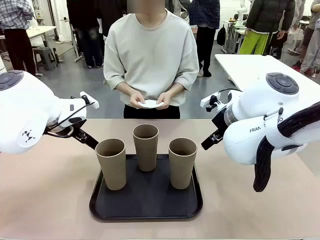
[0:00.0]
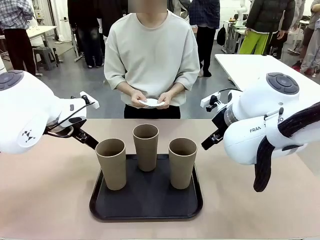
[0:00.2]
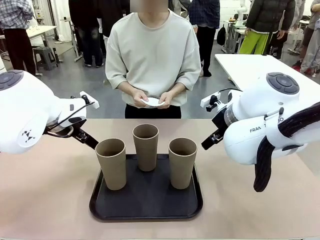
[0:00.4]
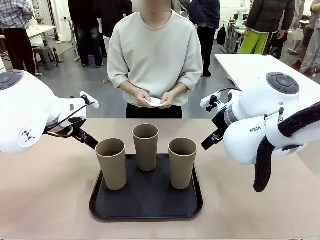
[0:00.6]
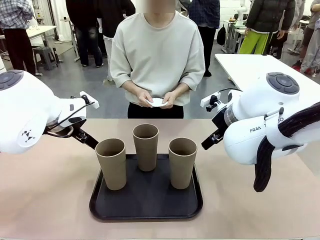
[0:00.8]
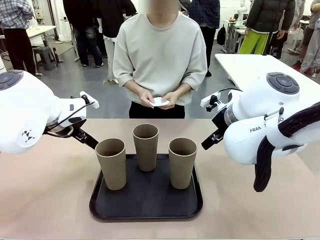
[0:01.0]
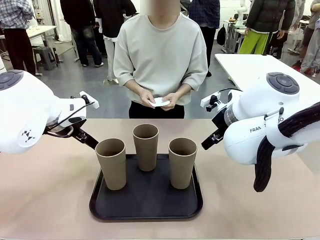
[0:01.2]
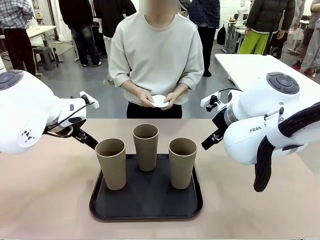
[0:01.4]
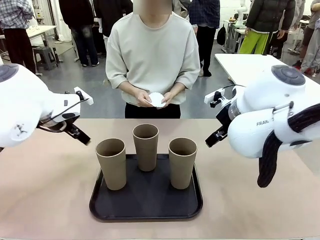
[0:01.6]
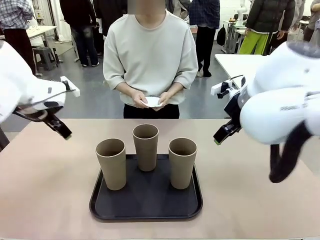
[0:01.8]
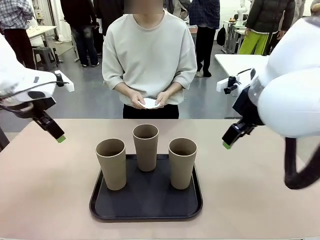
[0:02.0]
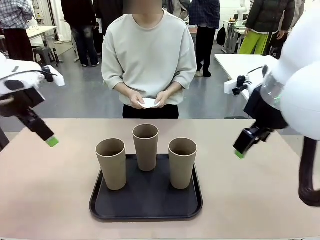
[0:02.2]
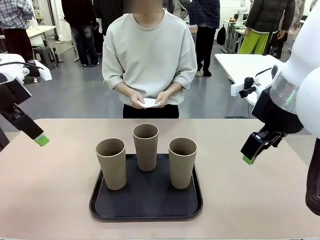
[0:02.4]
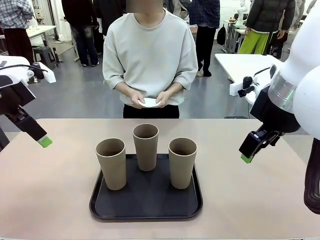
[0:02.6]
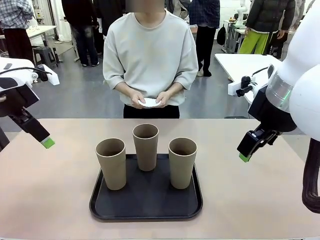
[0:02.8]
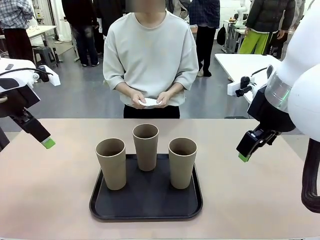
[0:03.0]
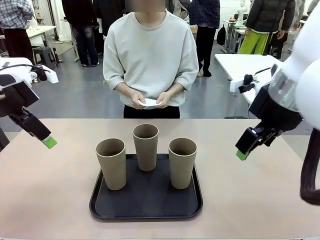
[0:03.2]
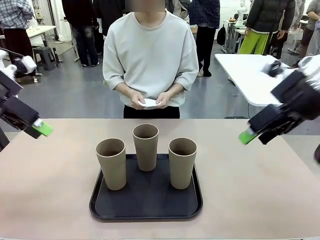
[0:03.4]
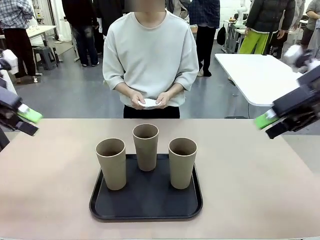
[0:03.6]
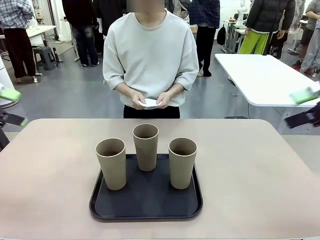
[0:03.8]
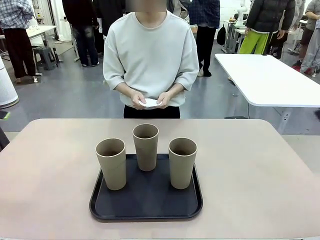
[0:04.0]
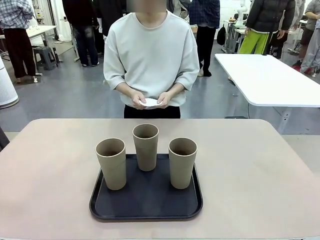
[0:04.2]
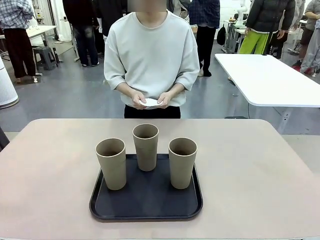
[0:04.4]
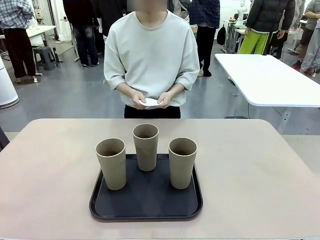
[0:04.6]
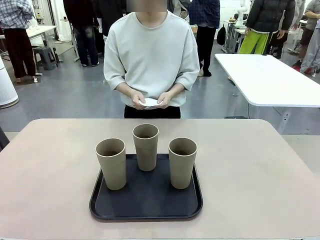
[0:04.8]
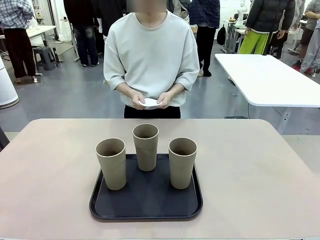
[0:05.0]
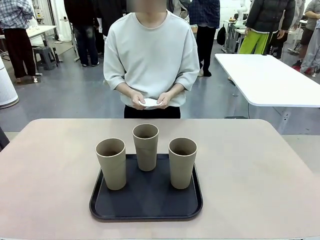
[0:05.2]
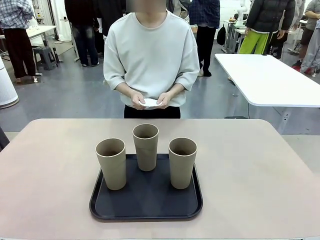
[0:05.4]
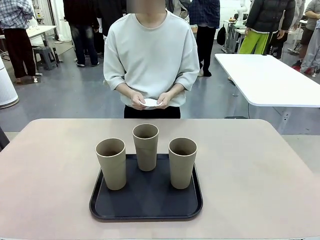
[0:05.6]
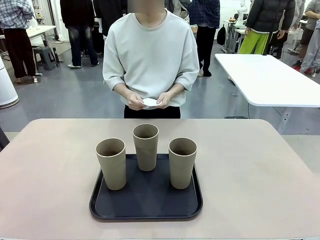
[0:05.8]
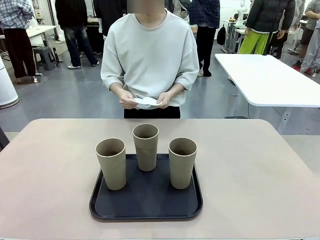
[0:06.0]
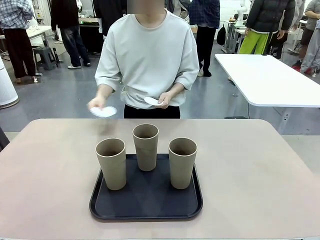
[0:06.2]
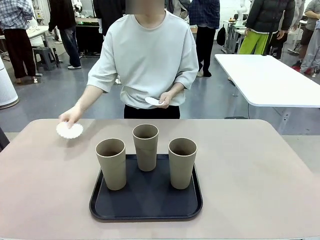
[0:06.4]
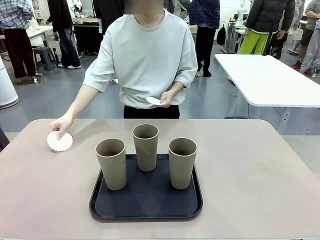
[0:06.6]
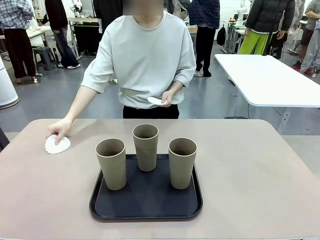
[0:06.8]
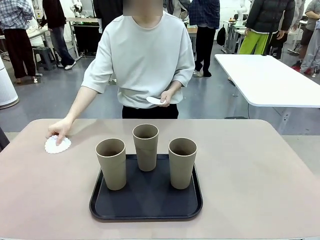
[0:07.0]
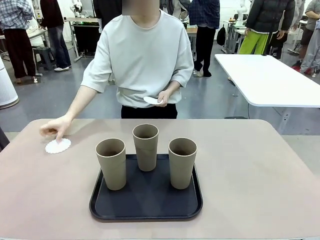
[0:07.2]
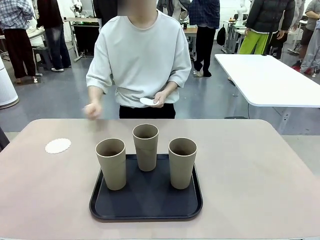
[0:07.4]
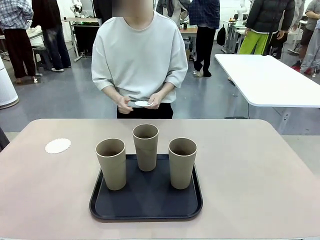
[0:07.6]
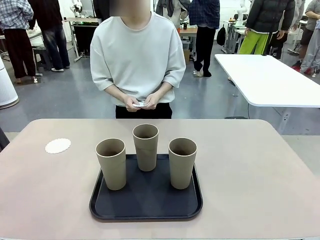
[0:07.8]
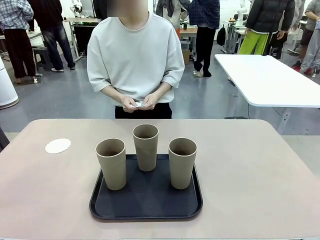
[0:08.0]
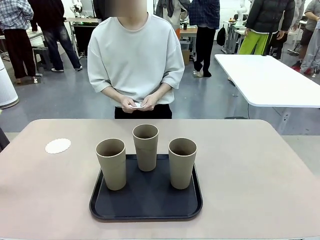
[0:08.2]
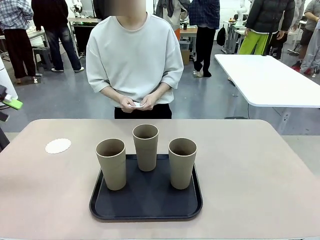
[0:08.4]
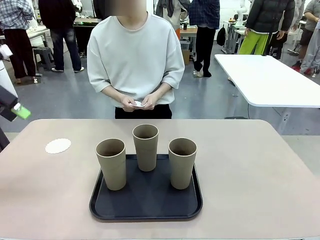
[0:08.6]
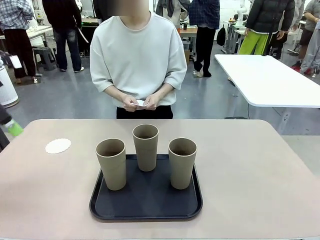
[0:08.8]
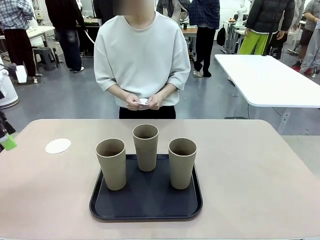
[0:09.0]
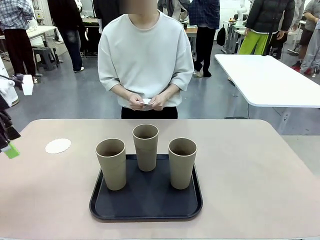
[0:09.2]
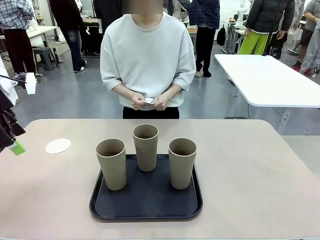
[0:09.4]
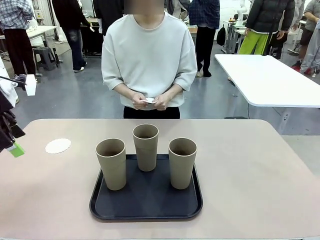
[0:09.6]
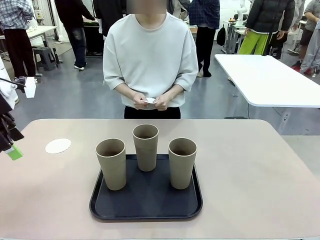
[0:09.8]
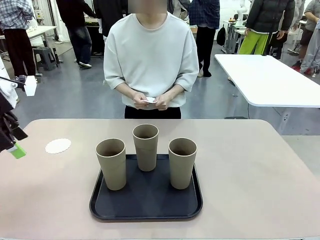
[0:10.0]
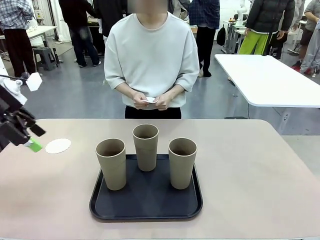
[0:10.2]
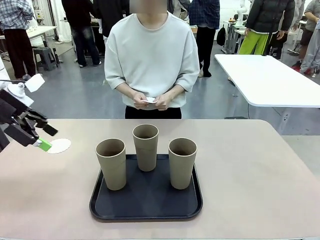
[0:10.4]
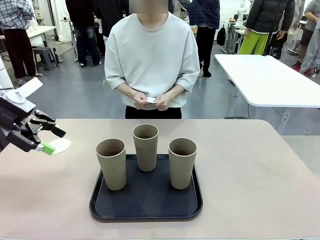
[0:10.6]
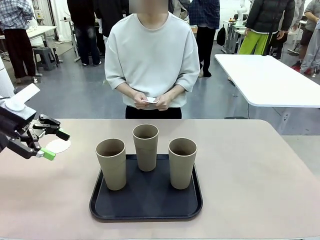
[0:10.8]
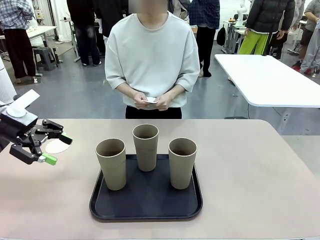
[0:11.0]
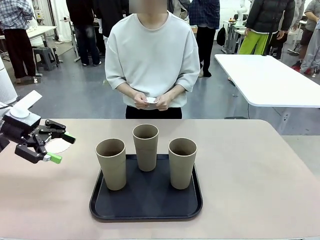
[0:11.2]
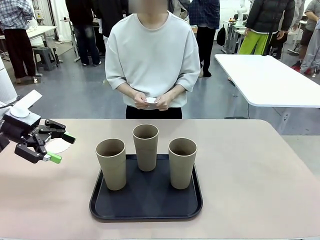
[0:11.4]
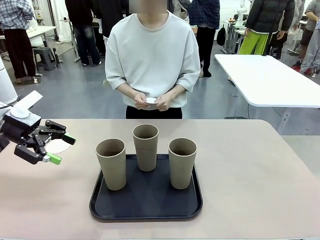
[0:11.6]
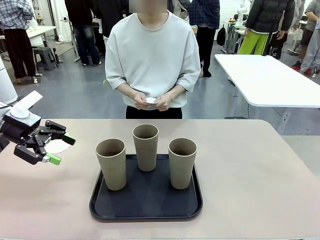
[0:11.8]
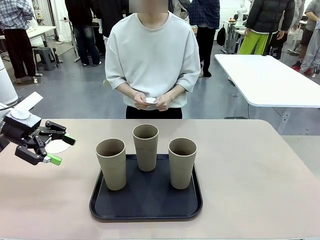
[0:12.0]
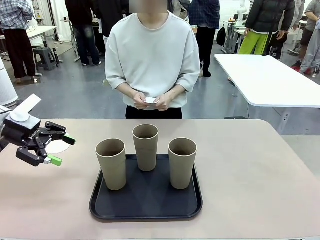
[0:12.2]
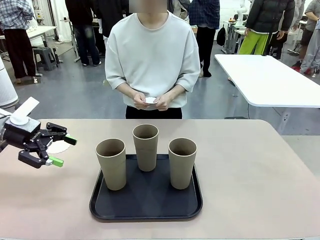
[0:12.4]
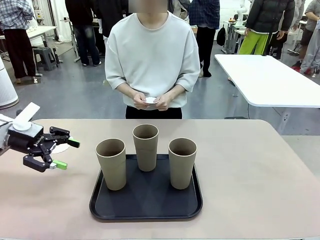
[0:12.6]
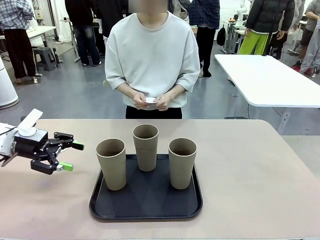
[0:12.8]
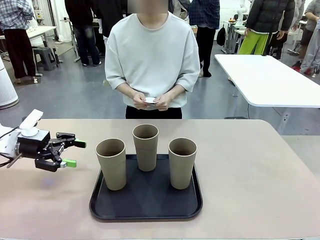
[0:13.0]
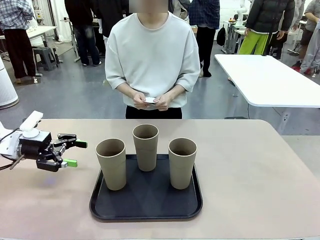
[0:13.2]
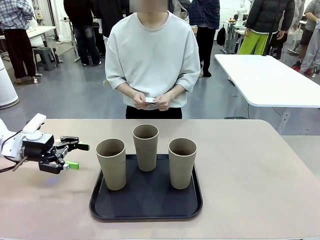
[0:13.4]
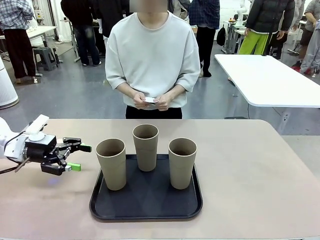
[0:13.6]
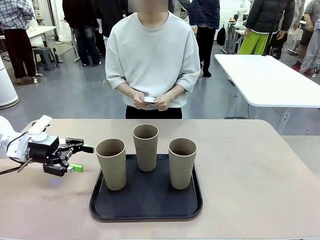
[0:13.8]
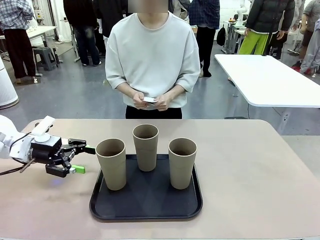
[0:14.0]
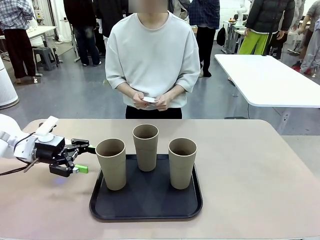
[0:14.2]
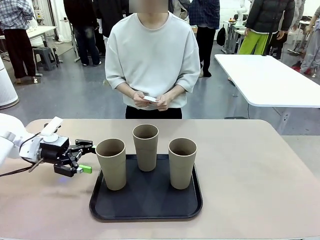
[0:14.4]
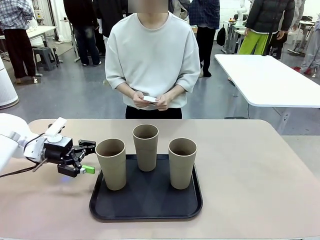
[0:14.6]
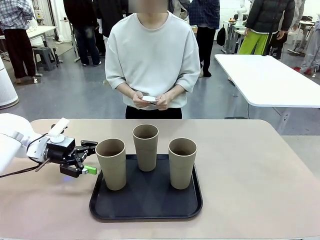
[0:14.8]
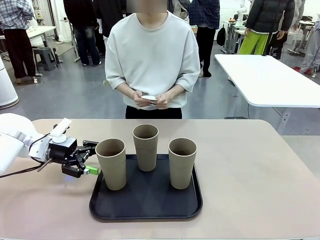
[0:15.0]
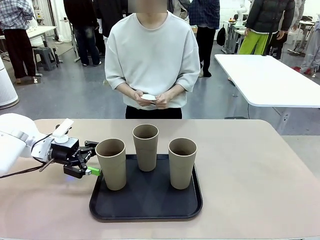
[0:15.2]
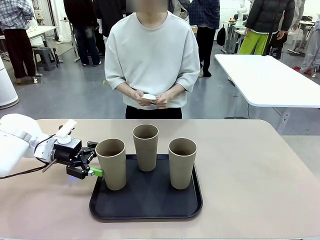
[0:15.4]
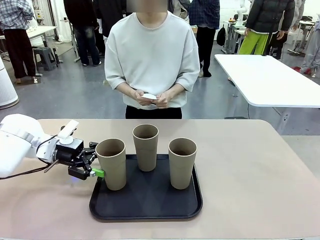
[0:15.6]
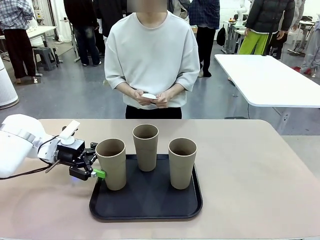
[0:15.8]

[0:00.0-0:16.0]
Task: Place coasters on the table and set cups on them.
Robot: Pick up one Reusable plastic cup and place it on a coaster set by the human.
Person: Place one coaster in any one of the three lower areas of the robot table (left, center, or right).

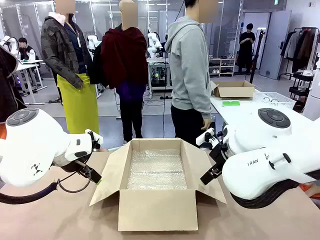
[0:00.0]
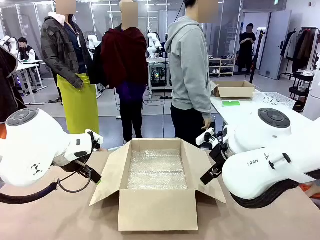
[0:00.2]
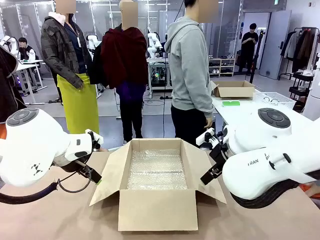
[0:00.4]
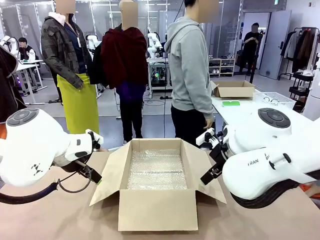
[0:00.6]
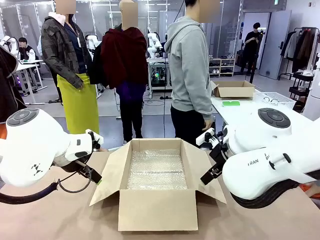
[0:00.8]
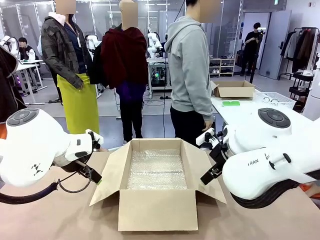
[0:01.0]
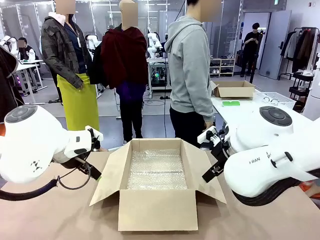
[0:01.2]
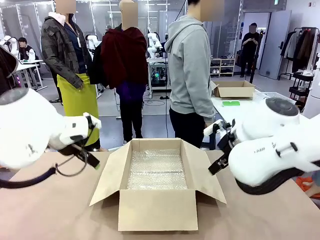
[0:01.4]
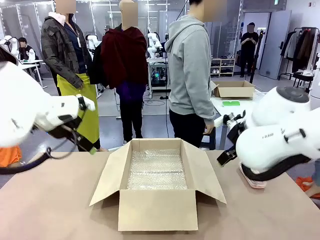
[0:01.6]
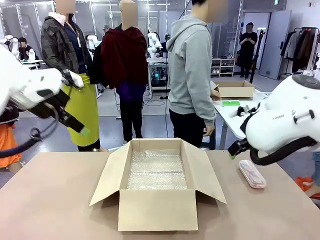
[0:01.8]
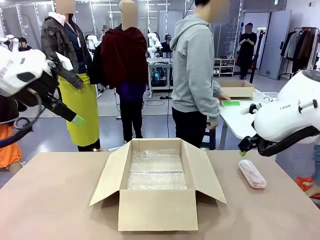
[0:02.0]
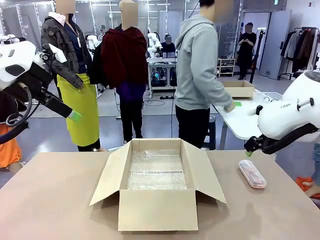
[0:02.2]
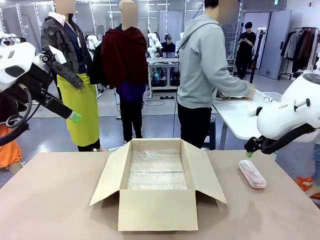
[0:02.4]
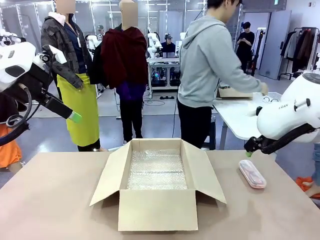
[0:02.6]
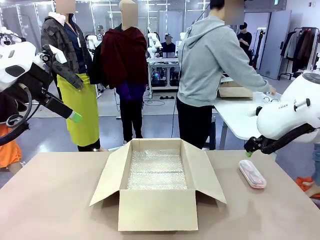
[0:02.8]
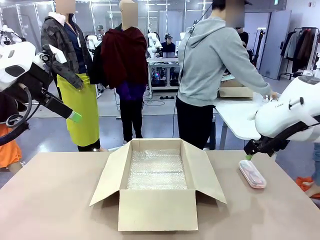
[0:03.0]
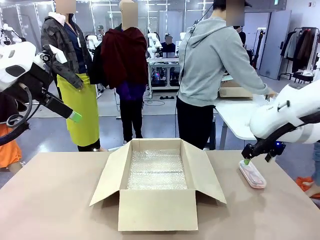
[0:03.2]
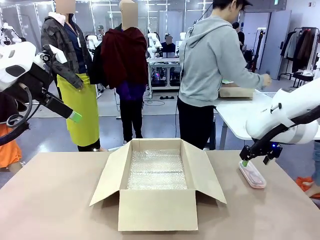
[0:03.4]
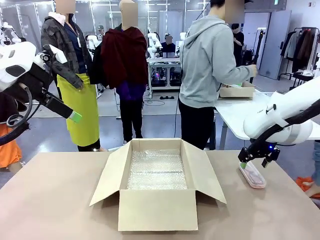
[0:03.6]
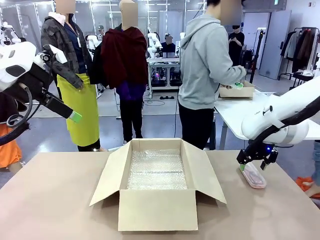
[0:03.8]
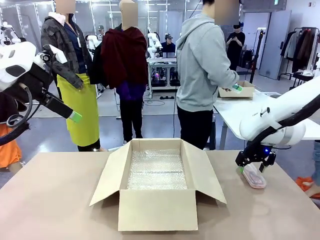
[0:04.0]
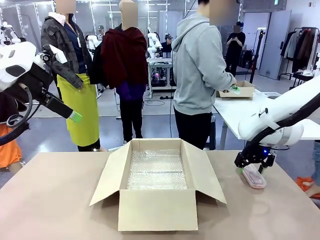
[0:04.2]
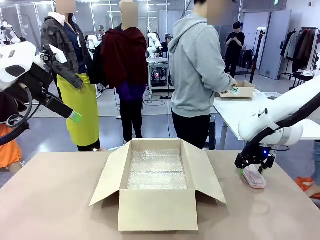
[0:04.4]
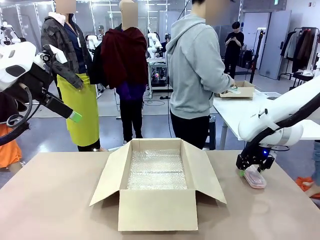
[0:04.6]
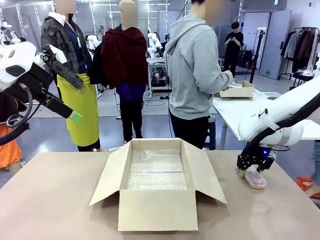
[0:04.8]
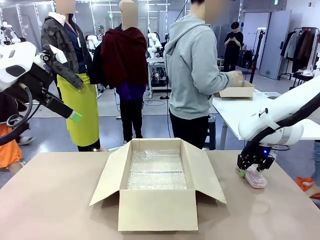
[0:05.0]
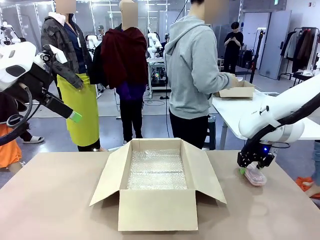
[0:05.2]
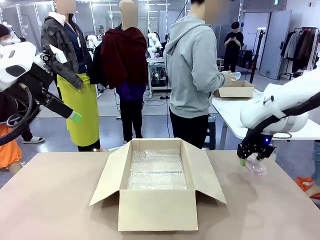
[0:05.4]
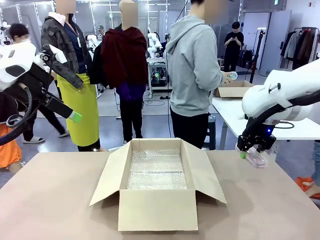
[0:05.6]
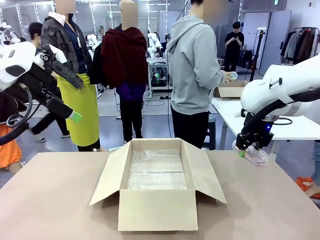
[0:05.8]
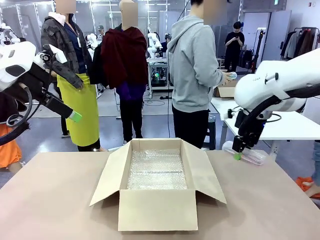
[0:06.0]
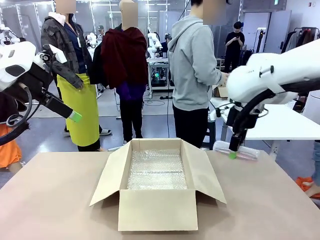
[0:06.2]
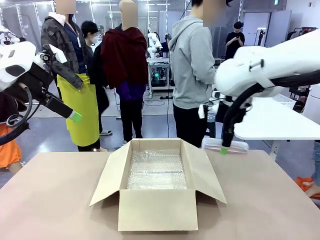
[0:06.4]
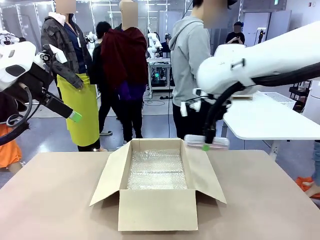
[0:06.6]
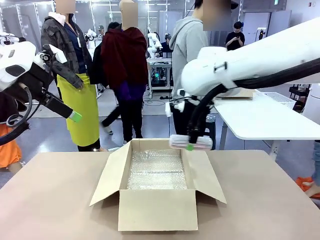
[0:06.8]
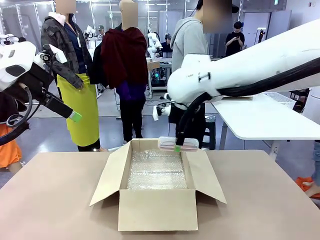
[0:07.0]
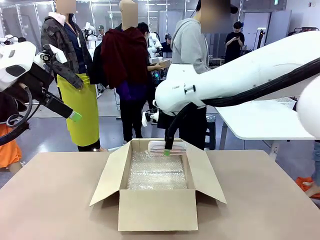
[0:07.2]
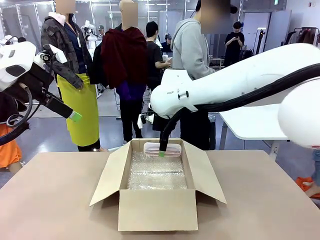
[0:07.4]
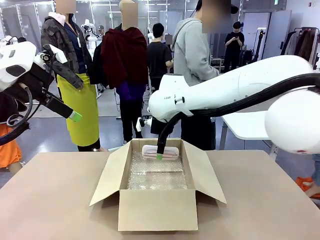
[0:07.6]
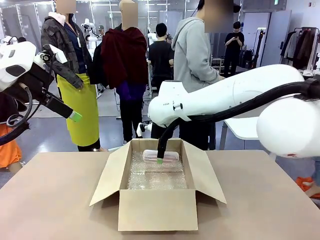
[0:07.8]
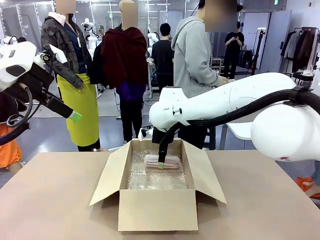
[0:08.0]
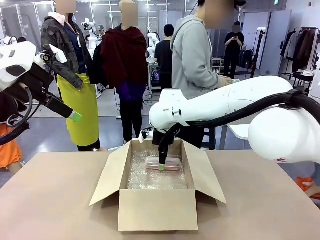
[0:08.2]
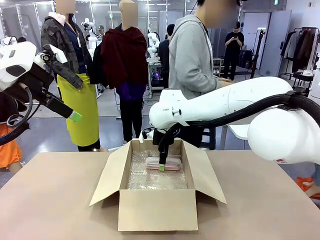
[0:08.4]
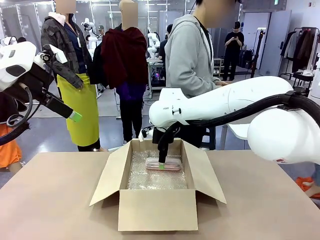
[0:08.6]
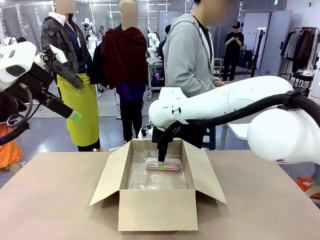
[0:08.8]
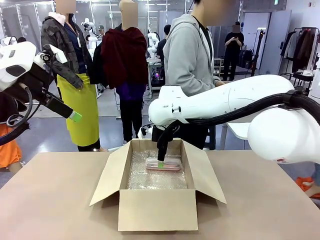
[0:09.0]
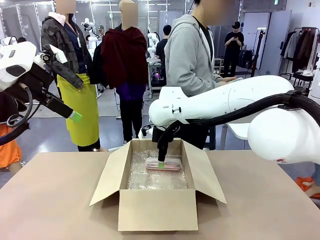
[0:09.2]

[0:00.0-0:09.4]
Task: Pack the glasses set securely to prepare it for shipping.
Robot: Place the Glasses case inside the Package Box.
Person: Place the Glasses inside the Glasses case.
